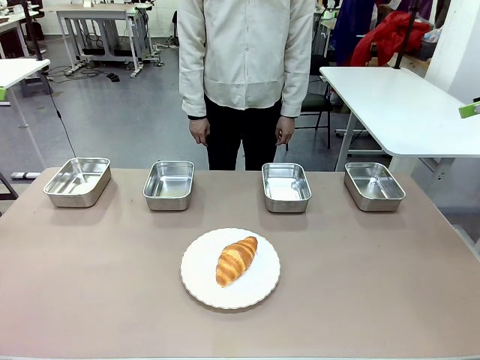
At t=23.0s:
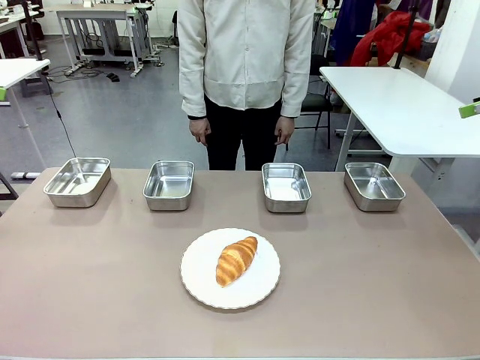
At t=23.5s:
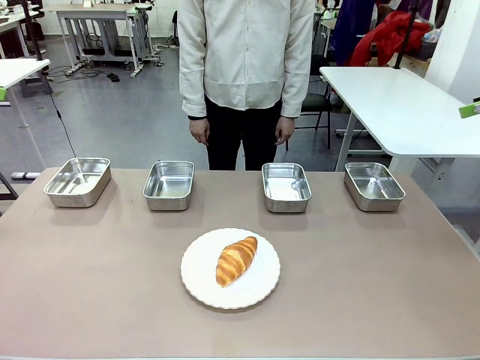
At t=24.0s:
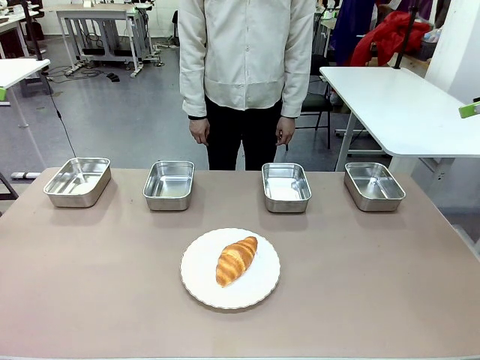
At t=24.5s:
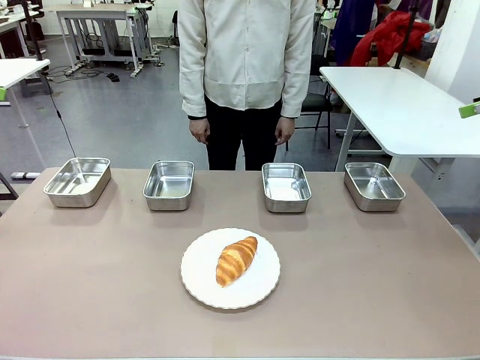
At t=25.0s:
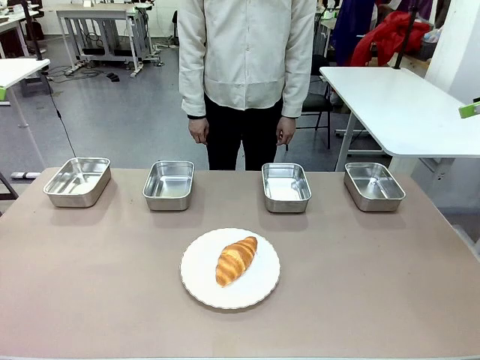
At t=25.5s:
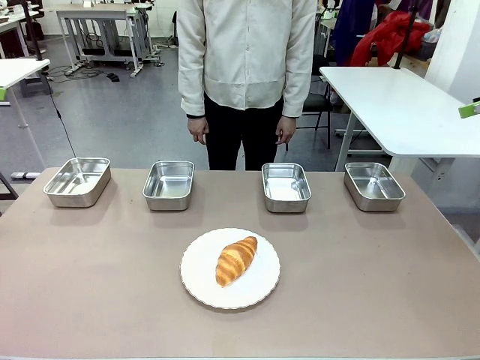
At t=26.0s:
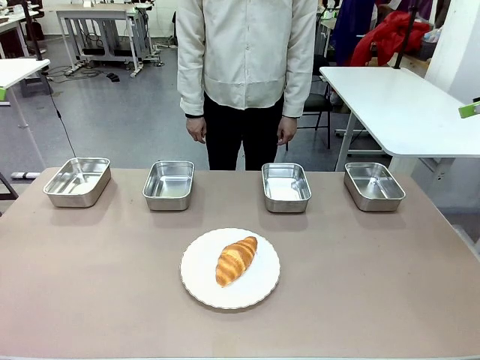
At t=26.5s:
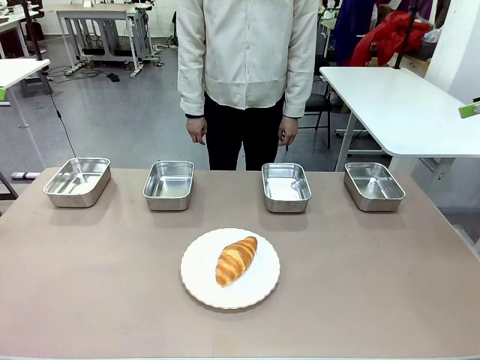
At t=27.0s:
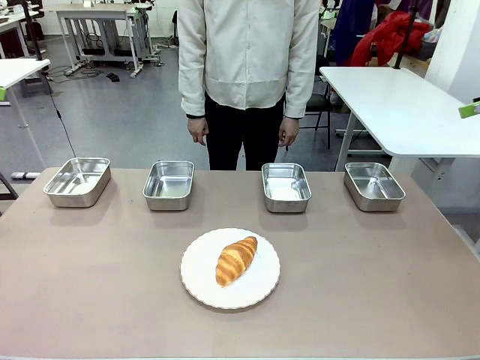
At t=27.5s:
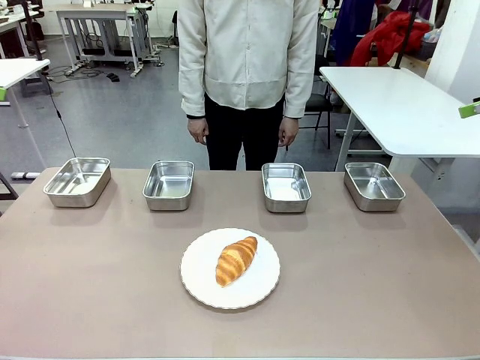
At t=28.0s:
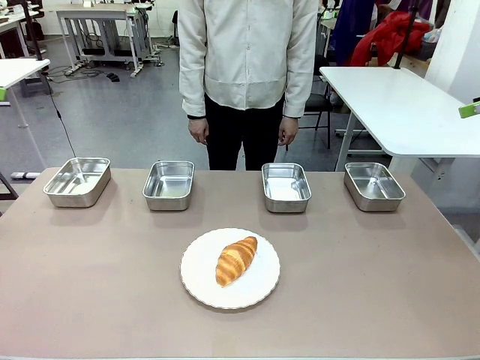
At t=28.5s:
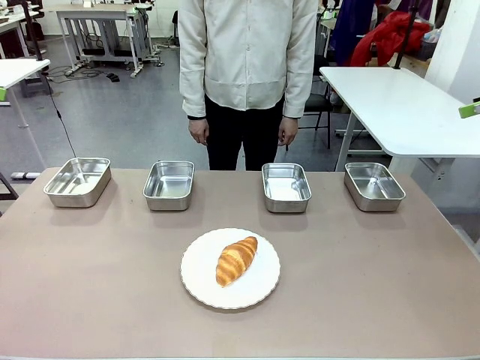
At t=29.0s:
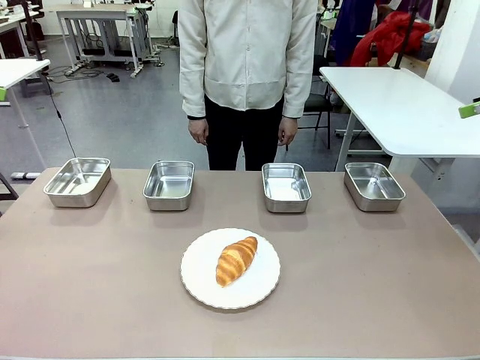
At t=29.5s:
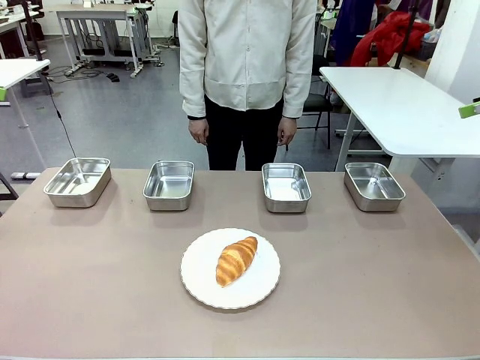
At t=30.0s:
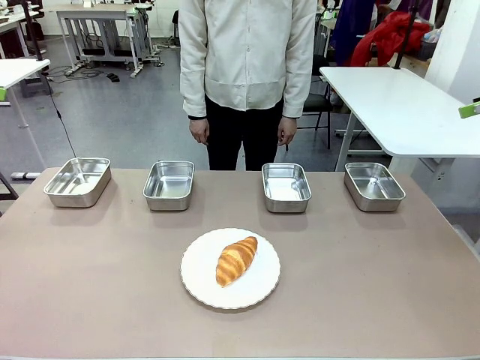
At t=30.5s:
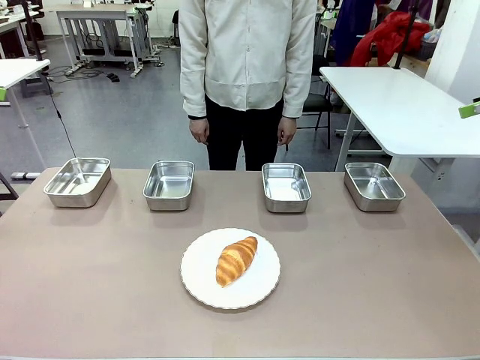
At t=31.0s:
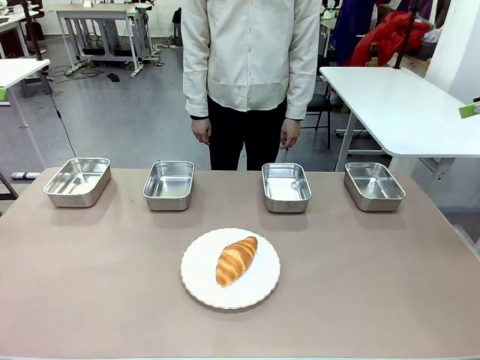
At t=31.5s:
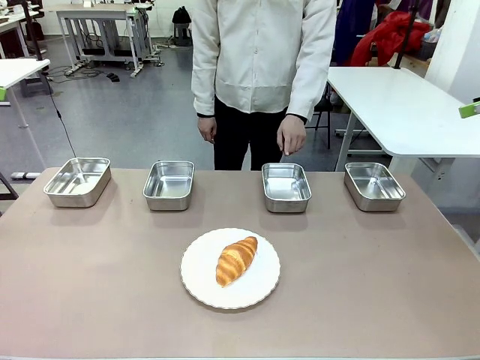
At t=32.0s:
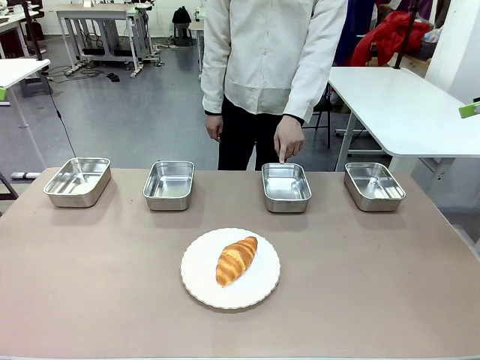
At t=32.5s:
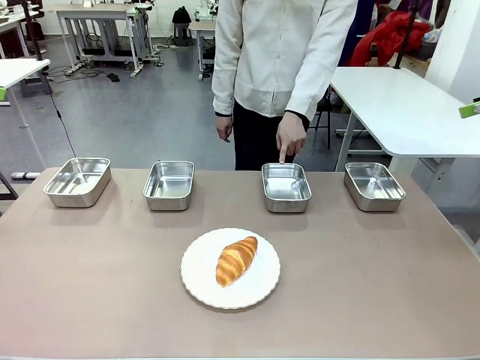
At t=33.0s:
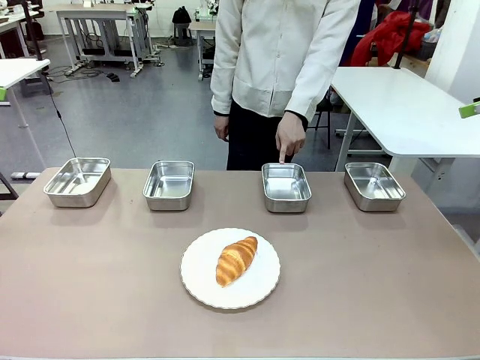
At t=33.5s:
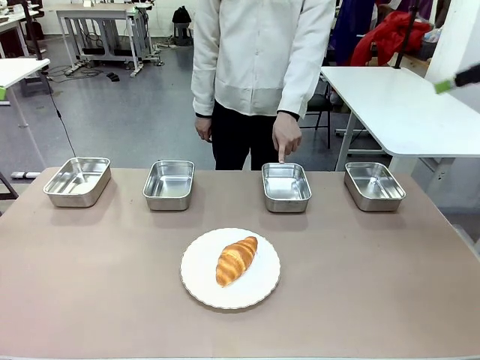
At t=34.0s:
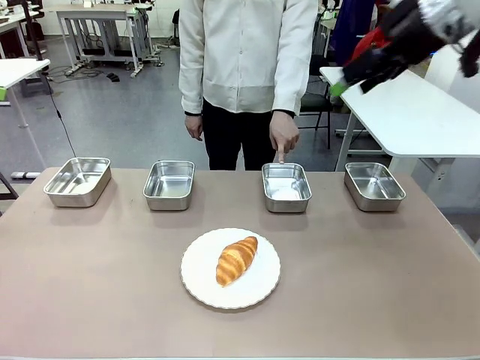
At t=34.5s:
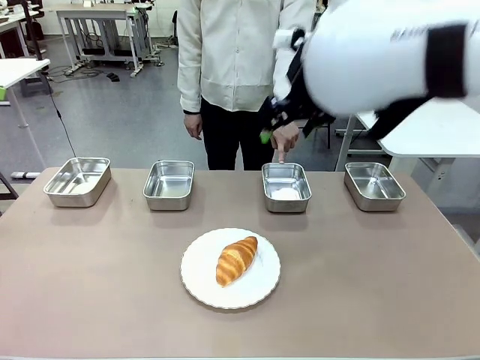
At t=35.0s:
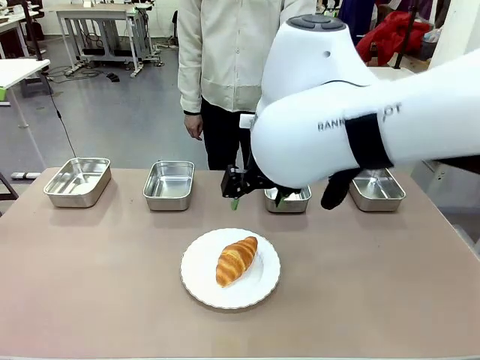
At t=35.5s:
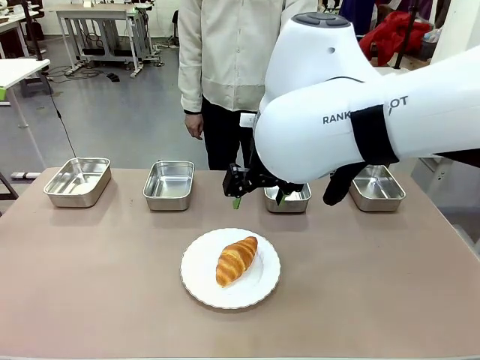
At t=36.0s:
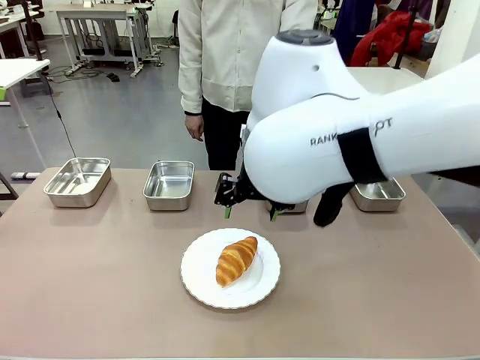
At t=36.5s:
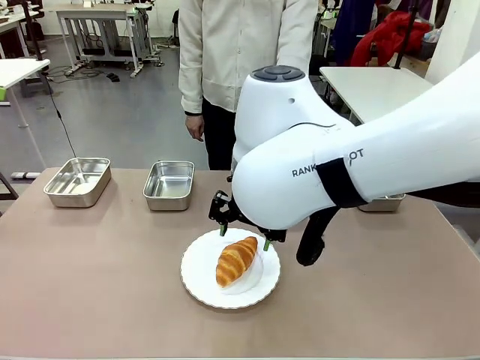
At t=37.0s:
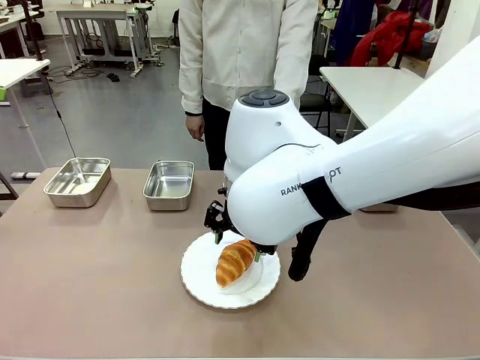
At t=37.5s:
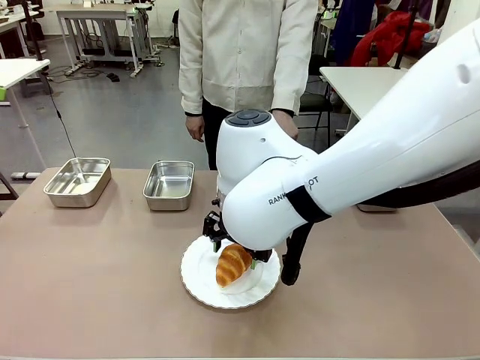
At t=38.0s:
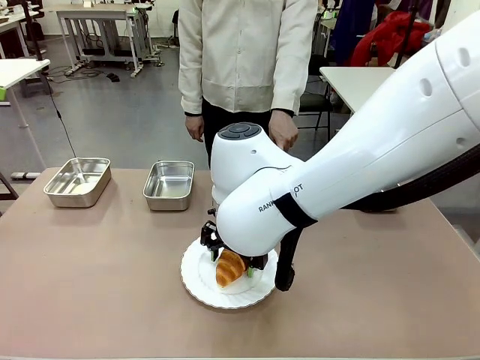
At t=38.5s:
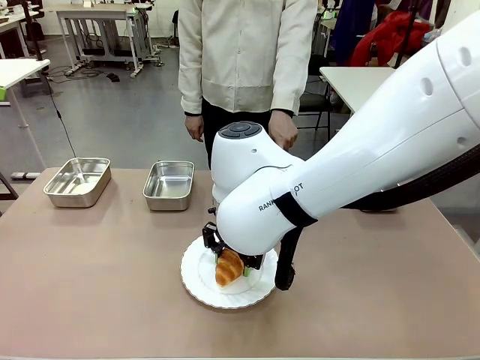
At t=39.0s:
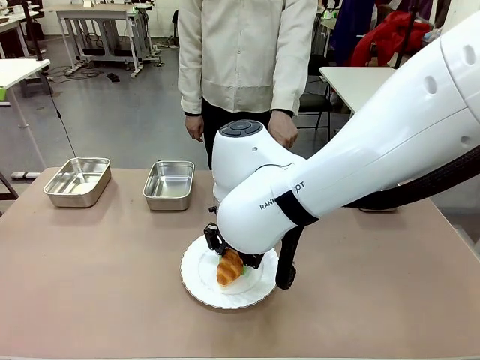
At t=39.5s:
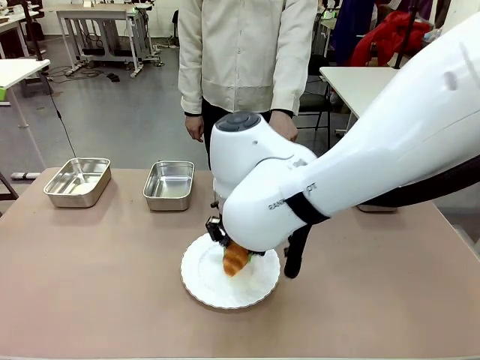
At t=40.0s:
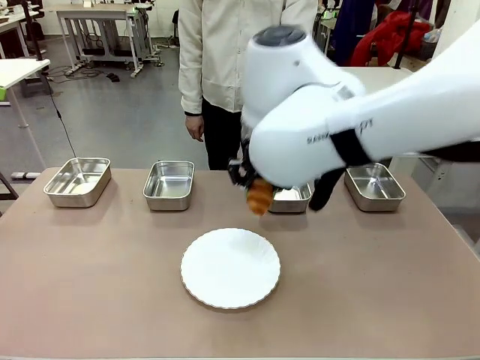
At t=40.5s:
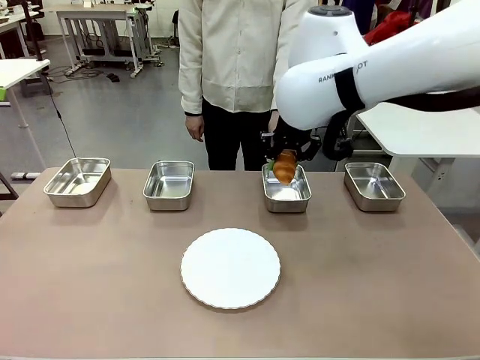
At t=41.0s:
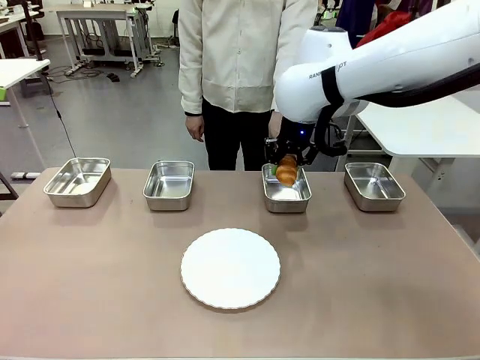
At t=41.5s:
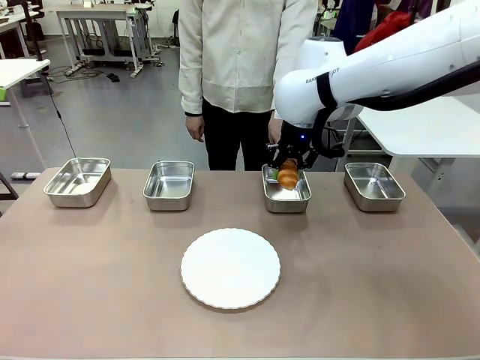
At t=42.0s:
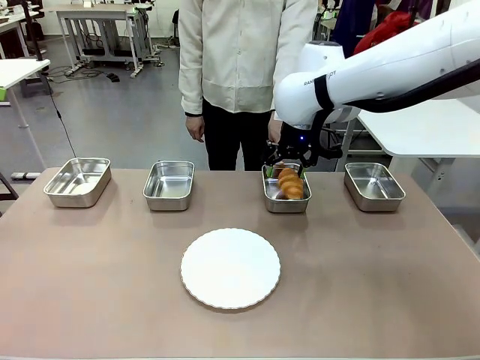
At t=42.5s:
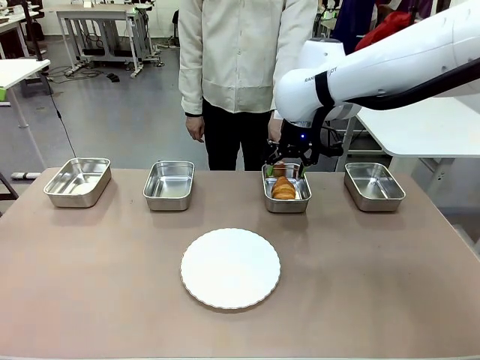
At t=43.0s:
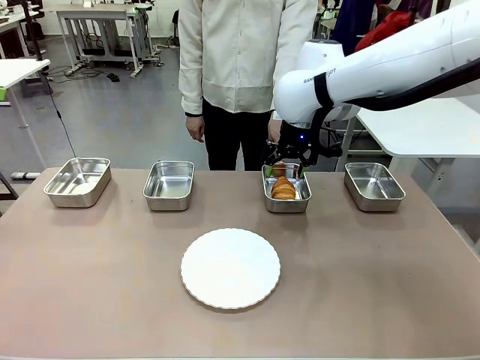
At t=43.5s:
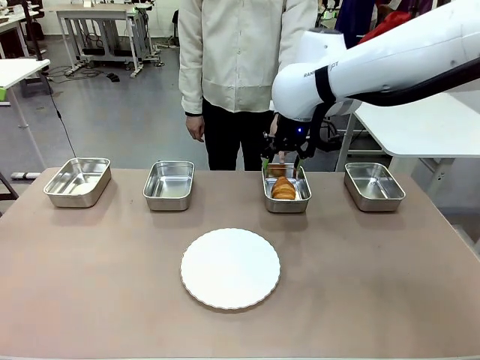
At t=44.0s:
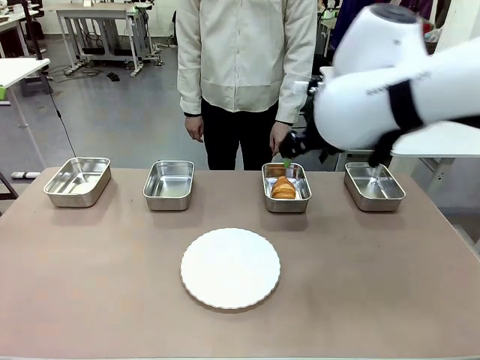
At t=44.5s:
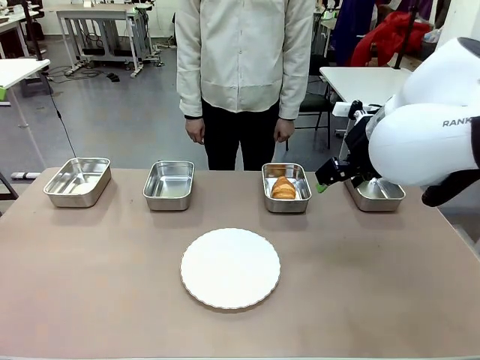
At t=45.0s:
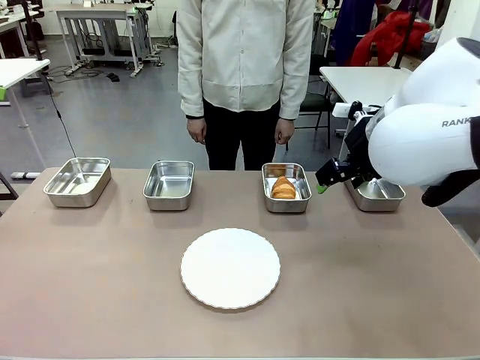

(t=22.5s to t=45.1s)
Task: Place the bread in the container.
Robot: Place the Butter Roll into the Airtight Container indicated by the human.
Person: A person randomly selects and points to an Airtight Container.

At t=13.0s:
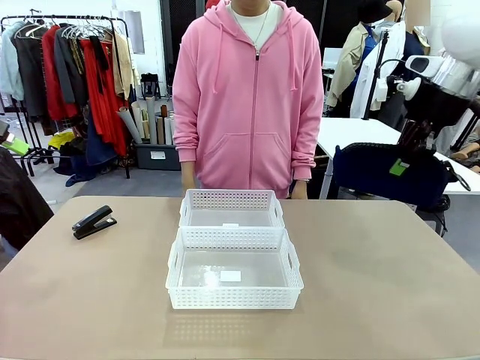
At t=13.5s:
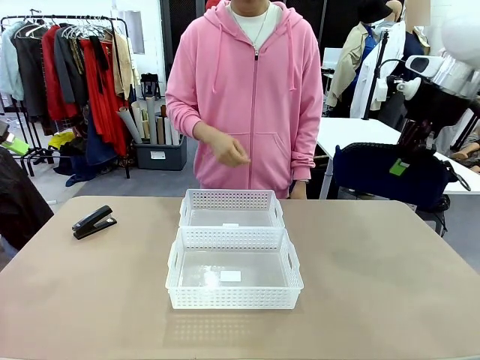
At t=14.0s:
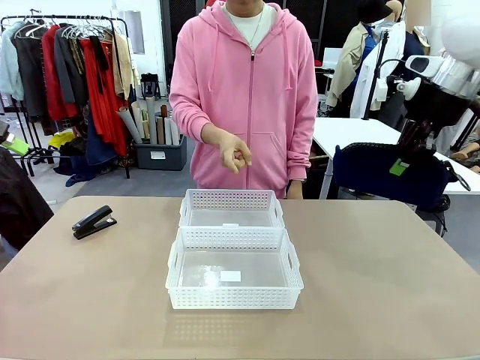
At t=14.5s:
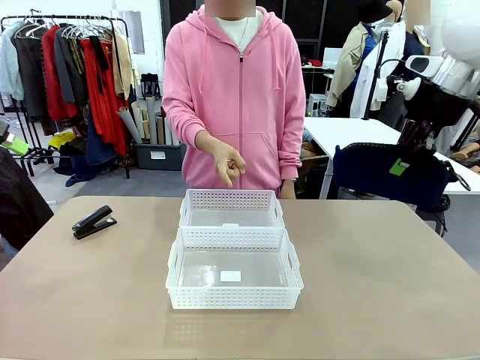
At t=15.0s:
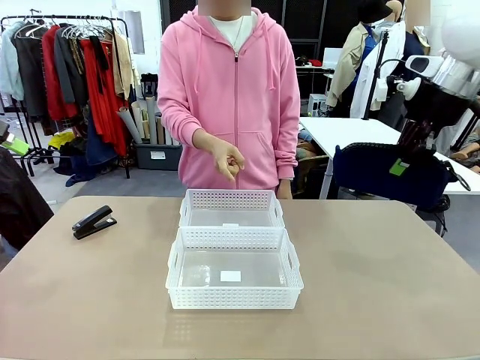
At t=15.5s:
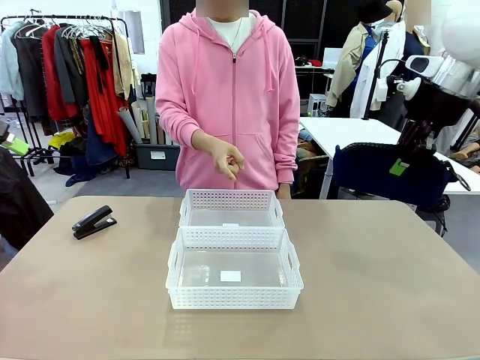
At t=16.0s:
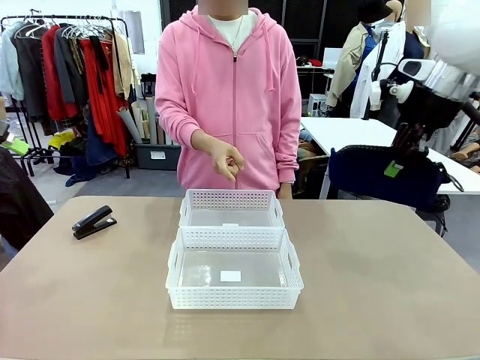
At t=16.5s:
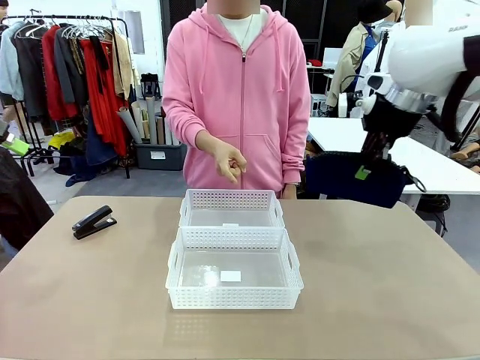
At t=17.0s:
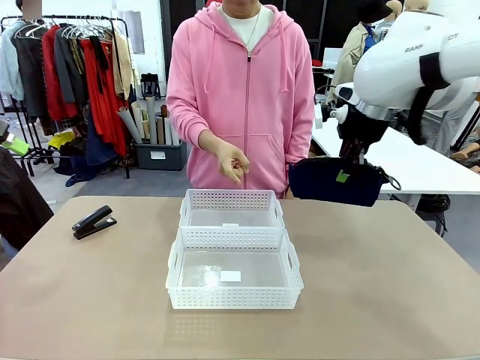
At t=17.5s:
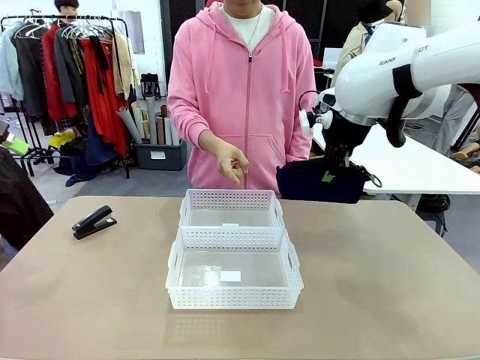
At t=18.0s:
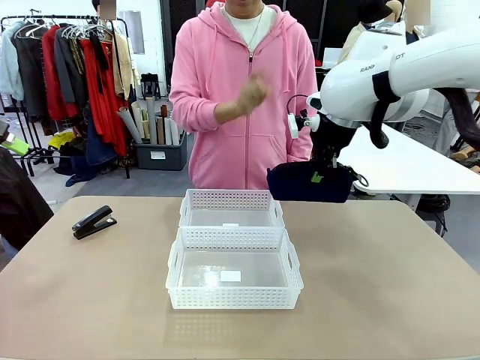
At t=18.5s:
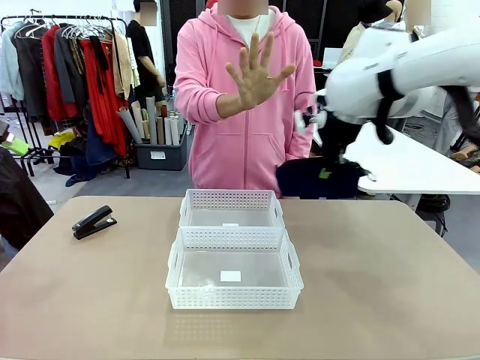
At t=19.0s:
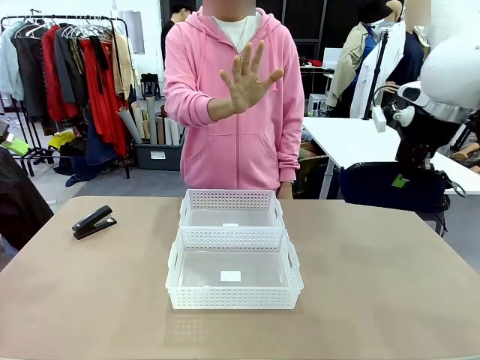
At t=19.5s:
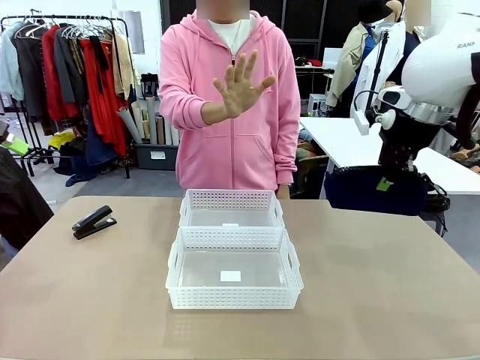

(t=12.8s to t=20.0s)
Task: Distribute items into two baskets.
Robot: Move the picked Pencil pouch towards the Organizing basket indicated by the person, stopping as directed.
Person: Sends a stop gesture before the robot places the pencil case into the basket.
